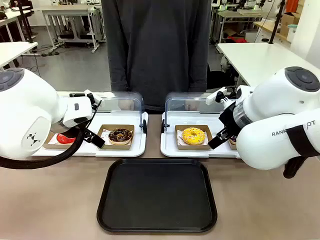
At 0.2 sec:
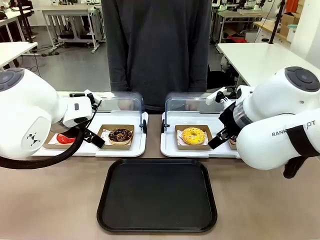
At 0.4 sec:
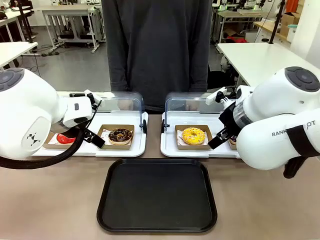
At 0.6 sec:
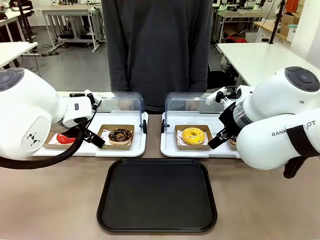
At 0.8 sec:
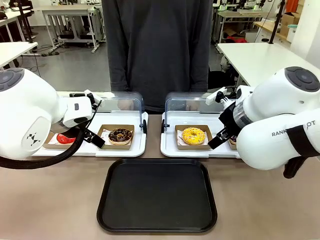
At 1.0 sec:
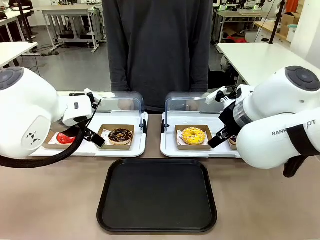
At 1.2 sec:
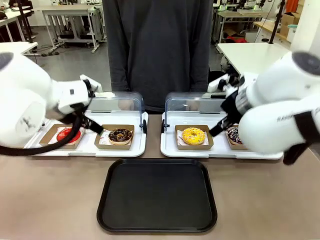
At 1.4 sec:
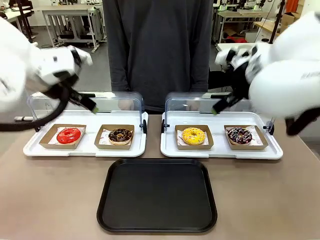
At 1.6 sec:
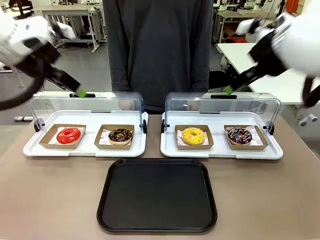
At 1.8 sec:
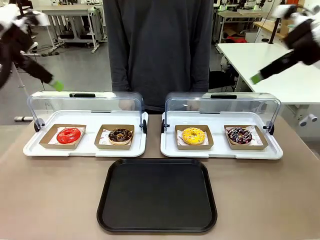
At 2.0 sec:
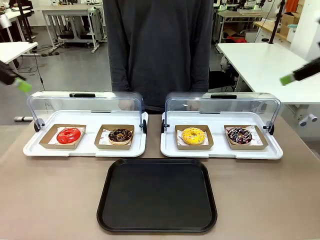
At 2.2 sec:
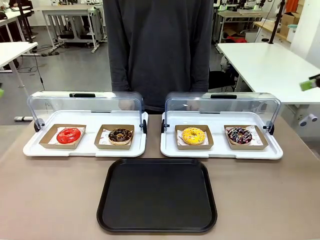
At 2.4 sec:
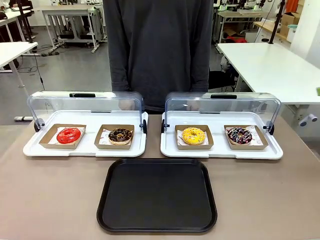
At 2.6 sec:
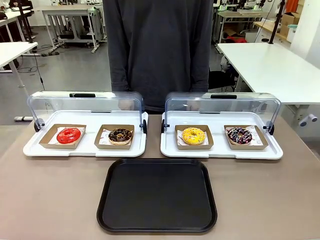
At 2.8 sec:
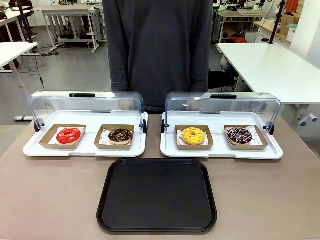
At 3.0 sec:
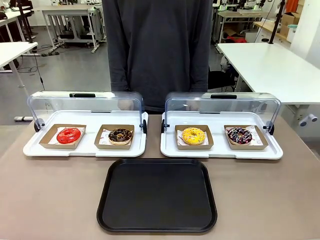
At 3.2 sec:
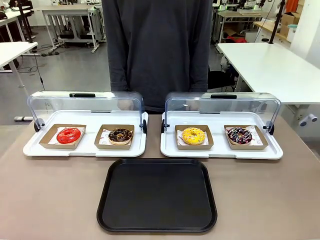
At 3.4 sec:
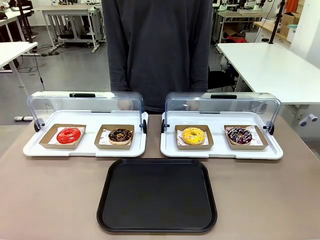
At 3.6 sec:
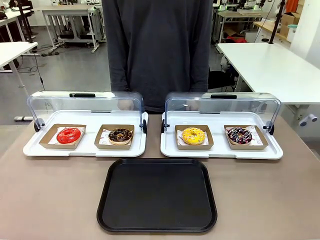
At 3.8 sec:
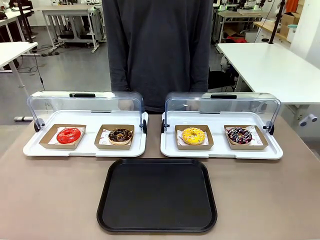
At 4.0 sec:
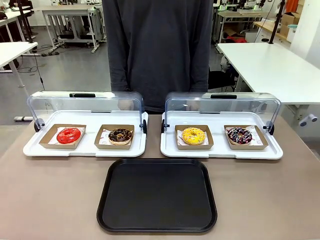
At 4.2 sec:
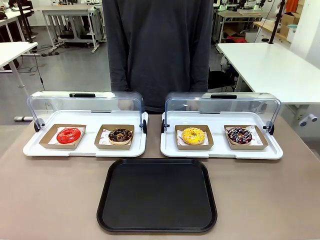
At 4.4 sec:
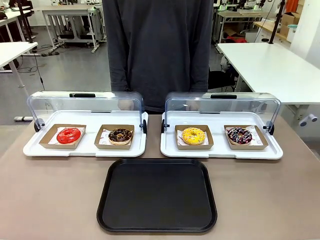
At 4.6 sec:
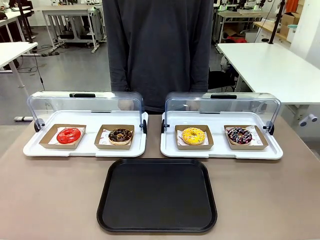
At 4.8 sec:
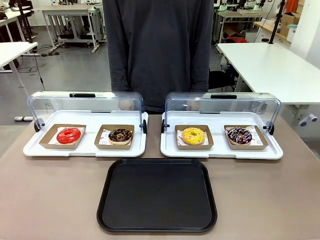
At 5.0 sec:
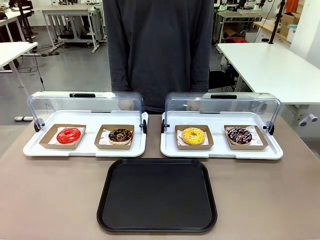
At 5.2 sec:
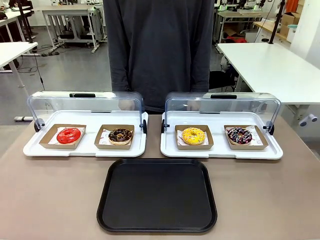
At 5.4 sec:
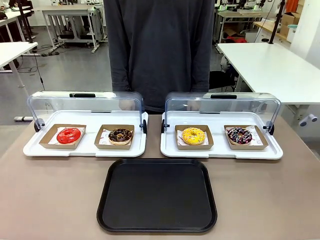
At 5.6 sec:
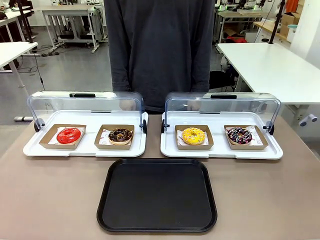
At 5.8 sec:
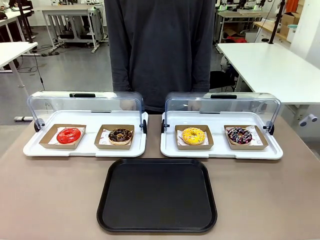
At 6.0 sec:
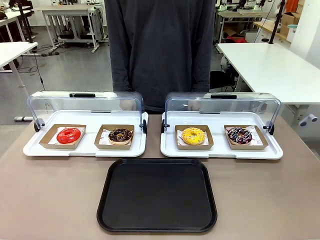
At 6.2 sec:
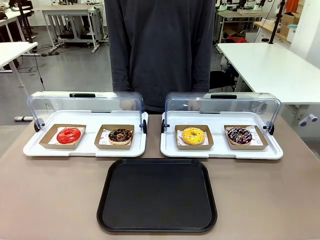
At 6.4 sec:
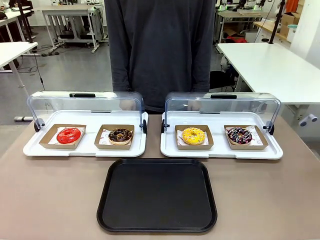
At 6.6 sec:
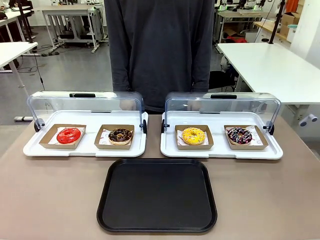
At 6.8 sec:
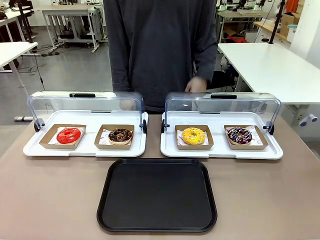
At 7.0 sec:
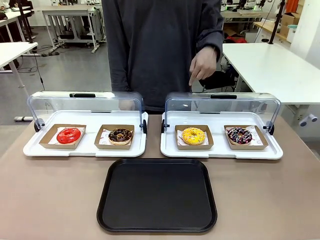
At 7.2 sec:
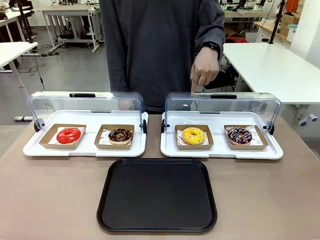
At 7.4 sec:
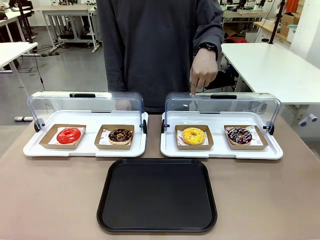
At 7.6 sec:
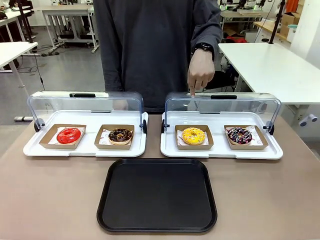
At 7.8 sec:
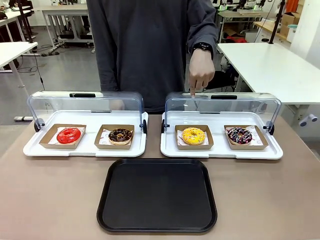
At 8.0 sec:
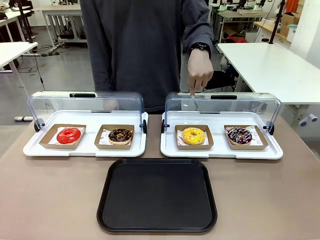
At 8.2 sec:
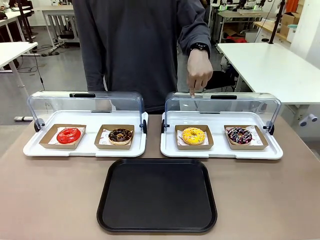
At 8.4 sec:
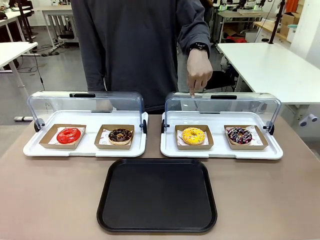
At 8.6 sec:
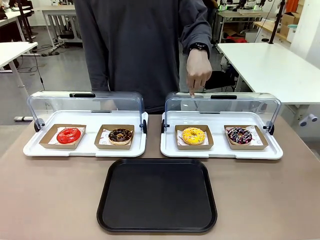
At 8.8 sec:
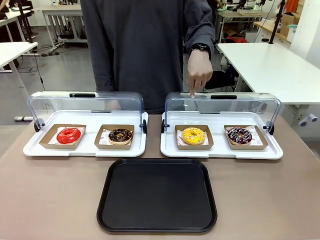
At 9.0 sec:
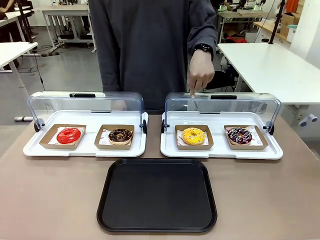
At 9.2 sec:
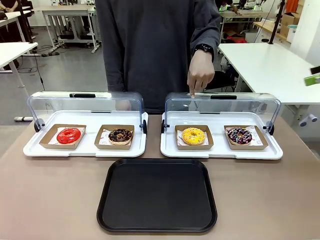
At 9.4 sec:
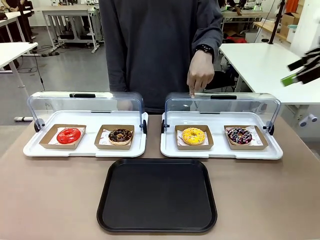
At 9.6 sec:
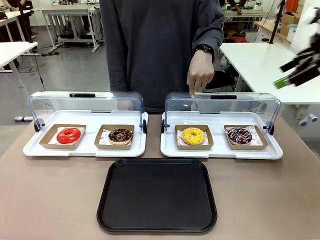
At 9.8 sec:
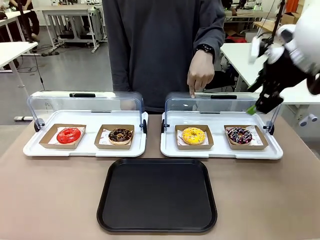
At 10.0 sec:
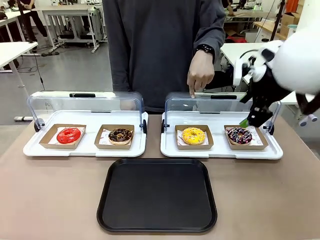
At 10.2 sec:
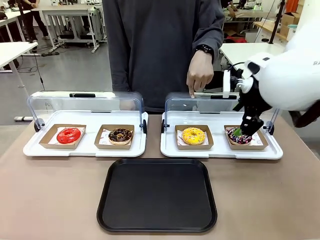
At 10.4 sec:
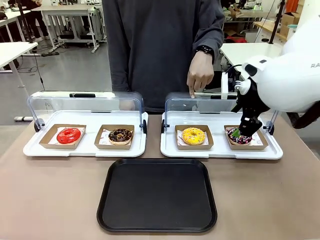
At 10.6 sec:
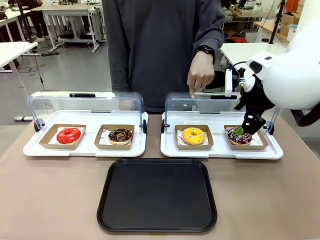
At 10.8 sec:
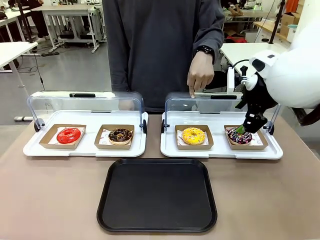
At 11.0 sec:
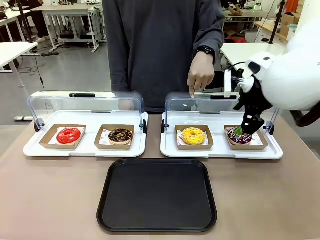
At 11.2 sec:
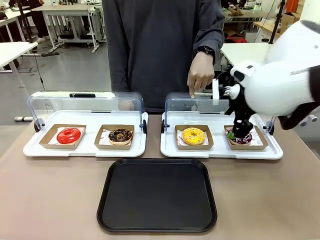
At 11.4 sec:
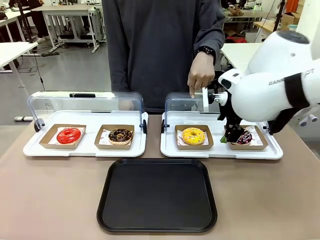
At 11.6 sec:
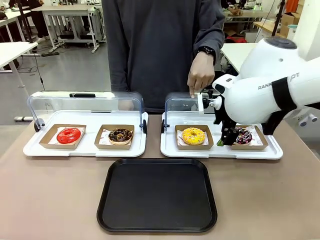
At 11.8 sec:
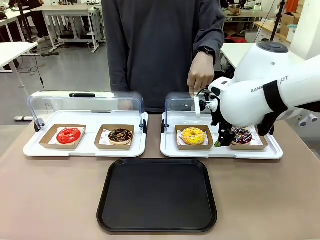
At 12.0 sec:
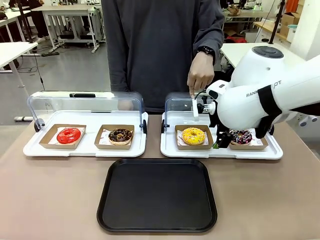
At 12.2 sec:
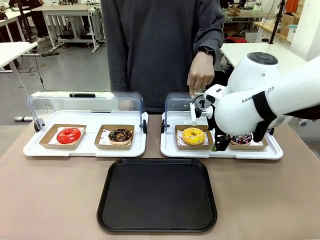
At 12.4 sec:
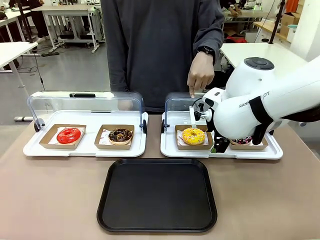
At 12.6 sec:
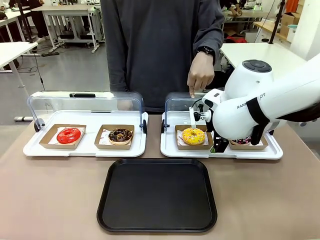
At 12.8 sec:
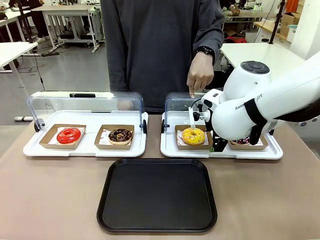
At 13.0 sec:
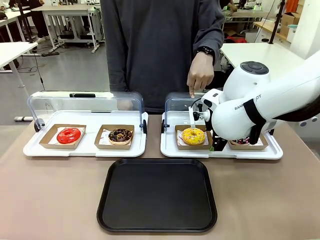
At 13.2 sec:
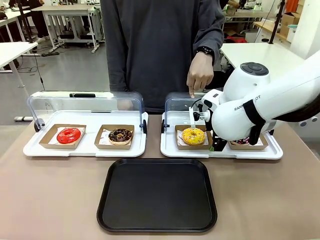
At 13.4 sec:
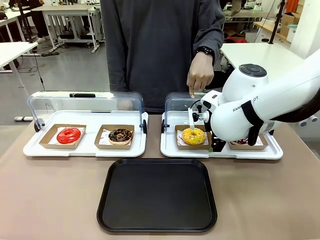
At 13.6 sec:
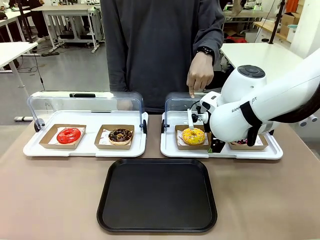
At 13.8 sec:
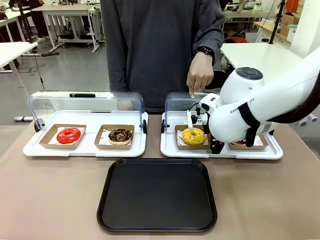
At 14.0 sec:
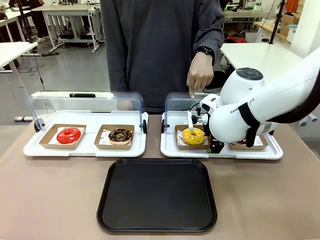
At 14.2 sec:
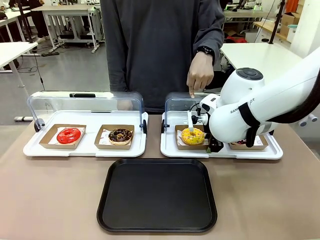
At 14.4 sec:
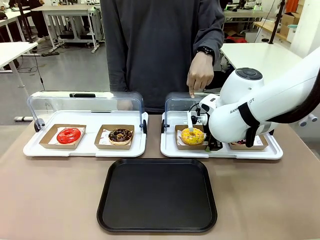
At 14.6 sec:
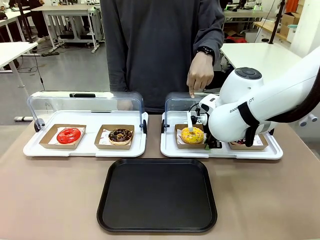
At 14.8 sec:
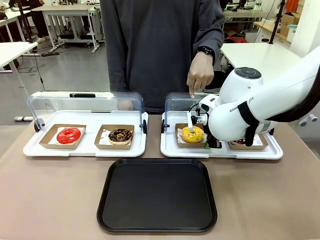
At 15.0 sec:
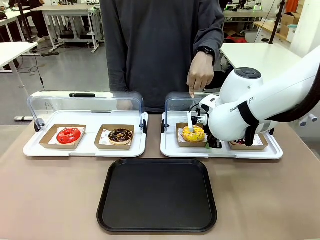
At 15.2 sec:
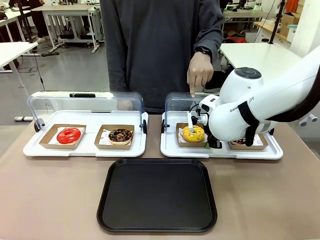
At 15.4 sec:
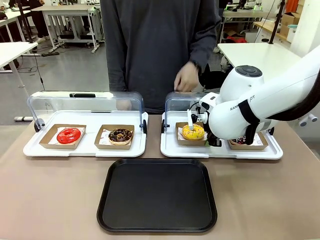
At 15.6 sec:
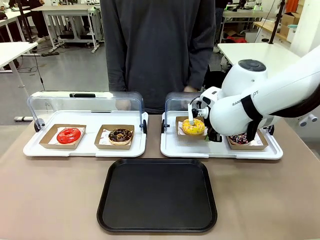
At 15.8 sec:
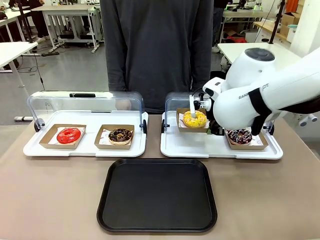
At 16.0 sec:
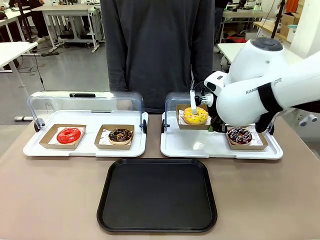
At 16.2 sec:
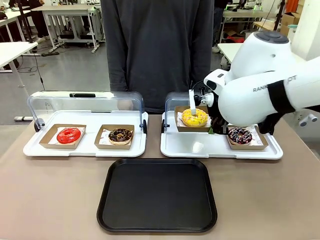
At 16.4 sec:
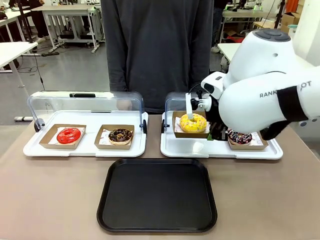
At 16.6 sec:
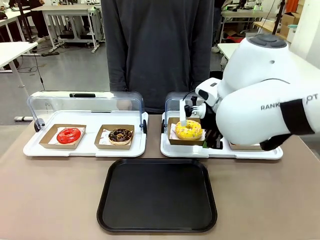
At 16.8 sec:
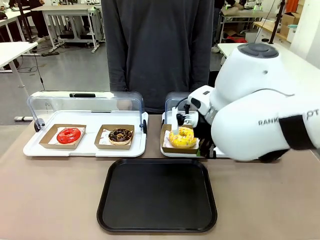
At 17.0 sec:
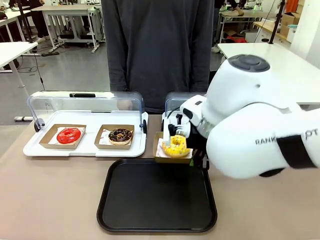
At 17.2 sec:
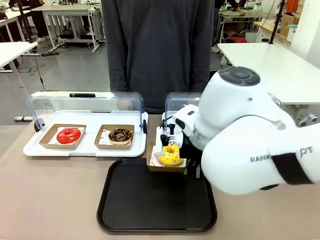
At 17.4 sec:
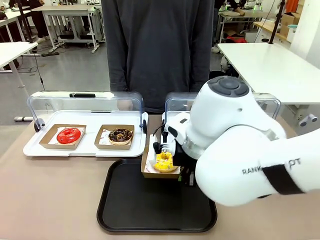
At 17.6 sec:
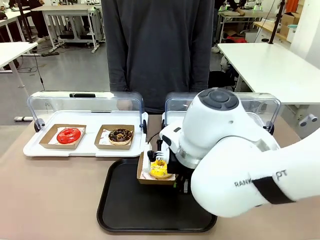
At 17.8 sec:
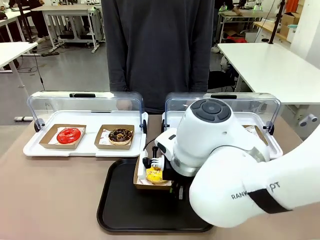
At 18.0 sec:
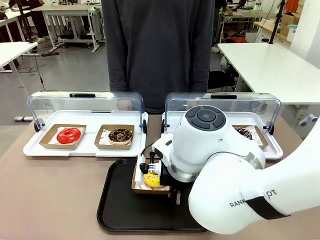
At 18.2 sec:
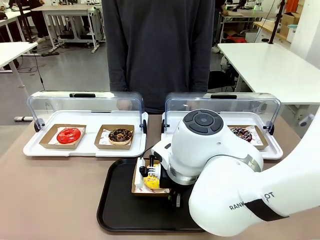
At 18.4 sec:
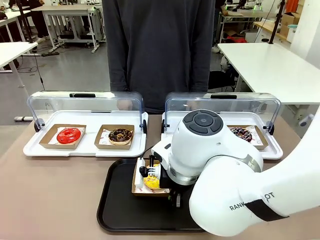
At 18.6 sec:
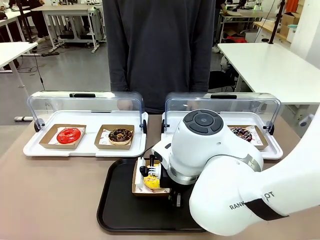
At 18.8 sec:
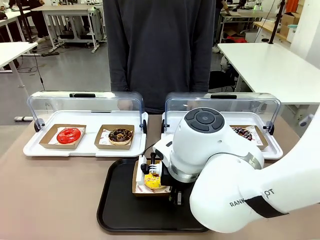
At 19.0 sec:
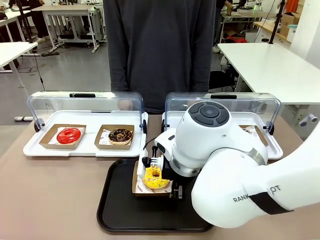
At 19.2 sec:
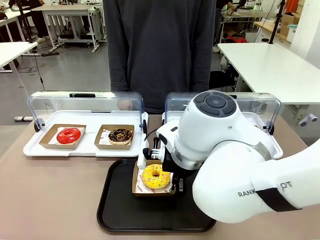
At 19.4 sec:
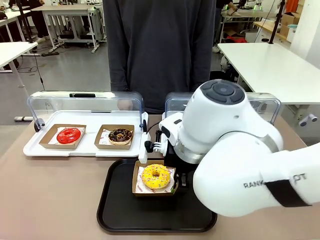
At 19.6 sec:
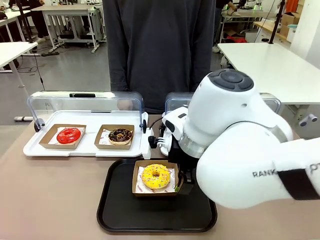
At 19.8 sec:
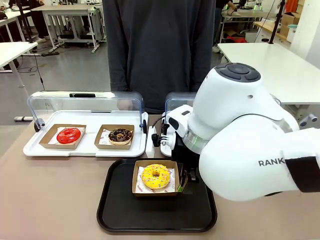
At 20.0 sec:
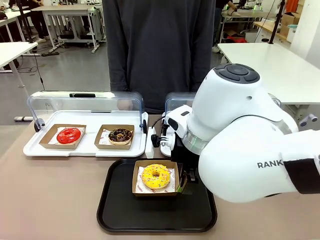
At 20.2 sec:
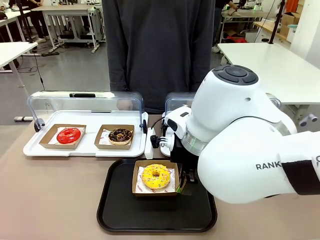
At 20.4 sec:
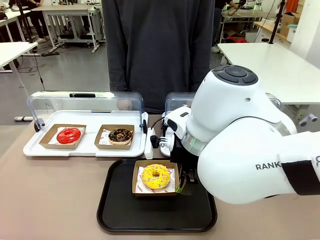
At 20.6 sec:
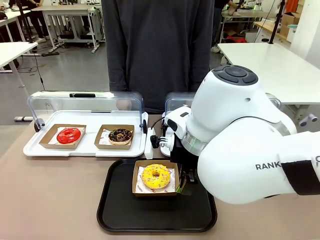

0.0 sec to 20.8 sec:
Task: Move the third donut from the left to the tray.
Robot: Pick up the Paper togo box containing the Donut indicated by the person and place it on the Handle tray.
Person: Points to the third donut from the left from the robot’s perspective.
